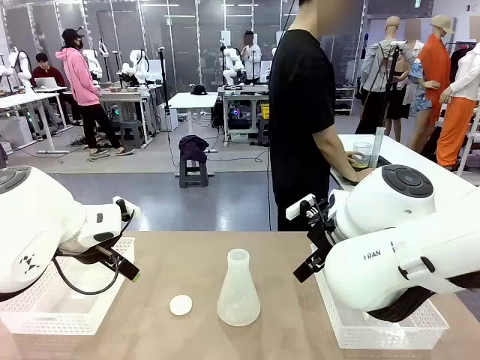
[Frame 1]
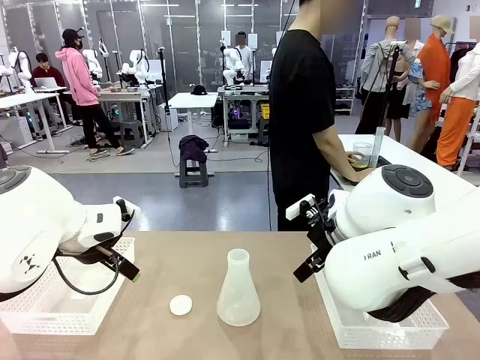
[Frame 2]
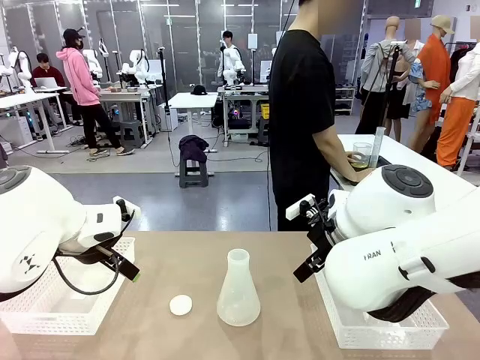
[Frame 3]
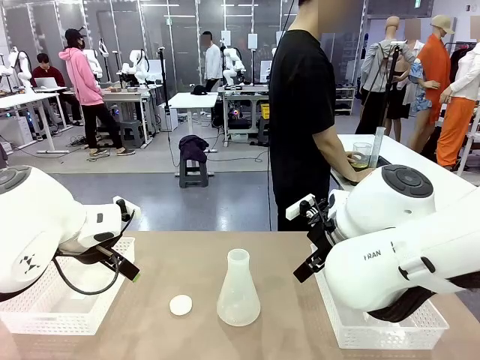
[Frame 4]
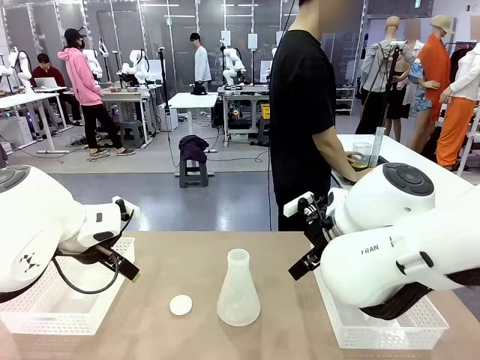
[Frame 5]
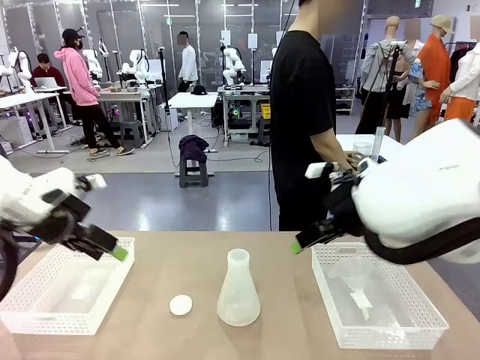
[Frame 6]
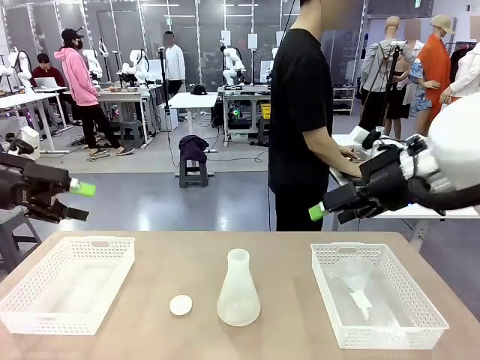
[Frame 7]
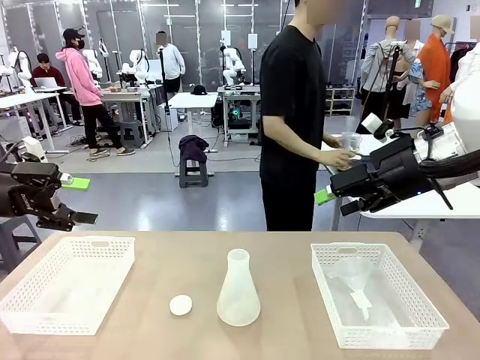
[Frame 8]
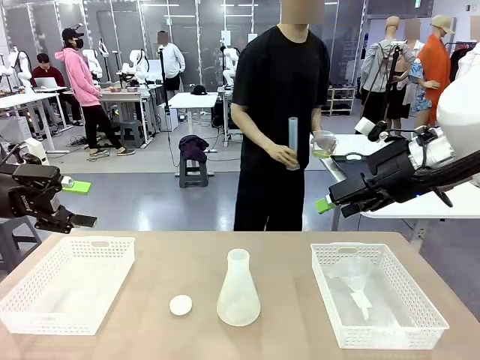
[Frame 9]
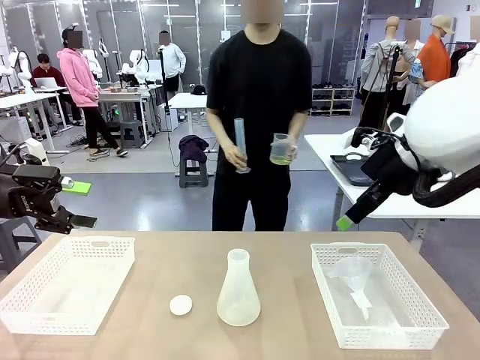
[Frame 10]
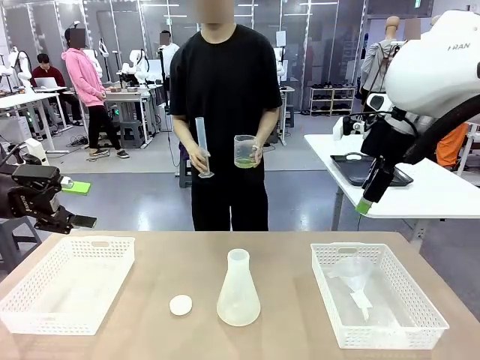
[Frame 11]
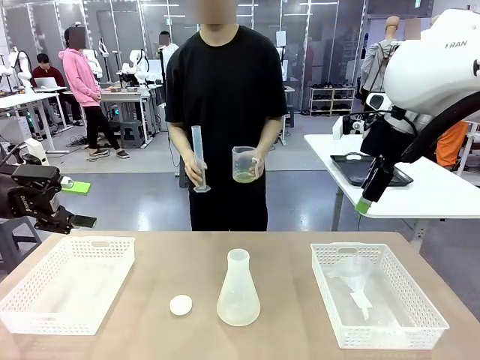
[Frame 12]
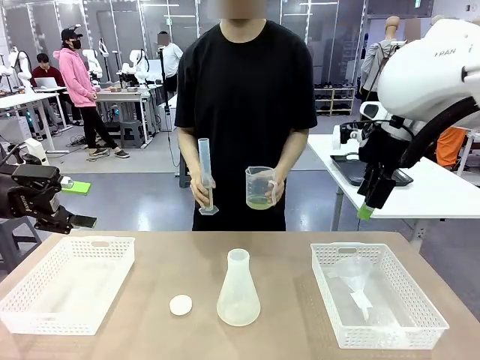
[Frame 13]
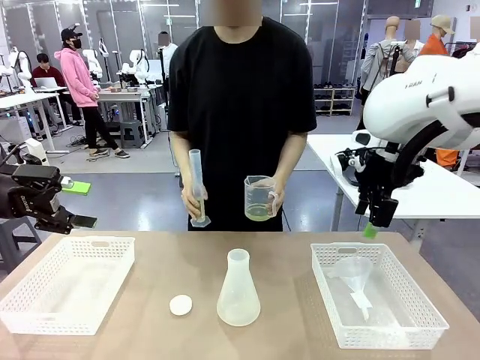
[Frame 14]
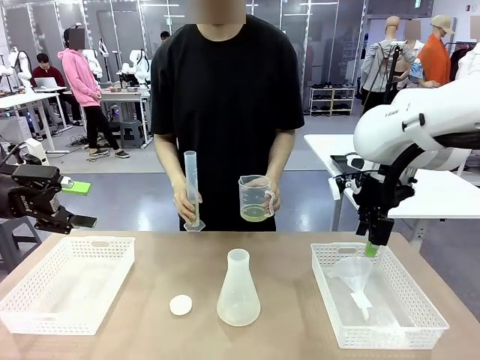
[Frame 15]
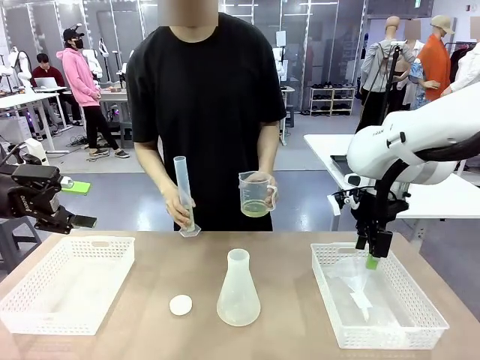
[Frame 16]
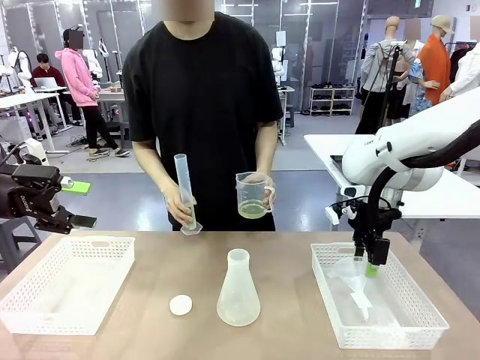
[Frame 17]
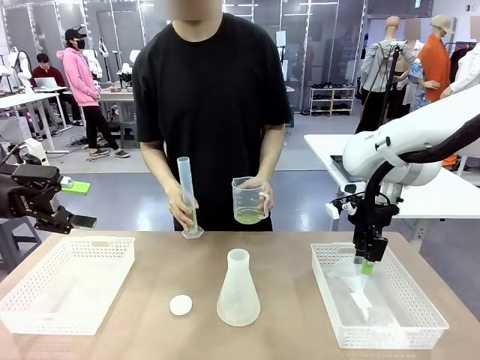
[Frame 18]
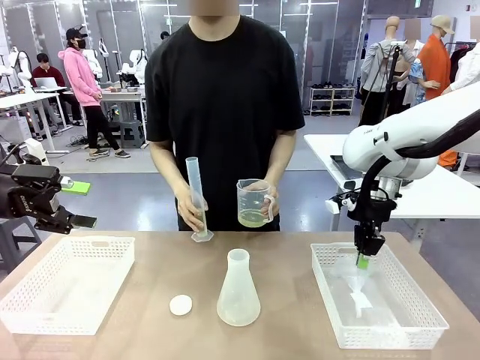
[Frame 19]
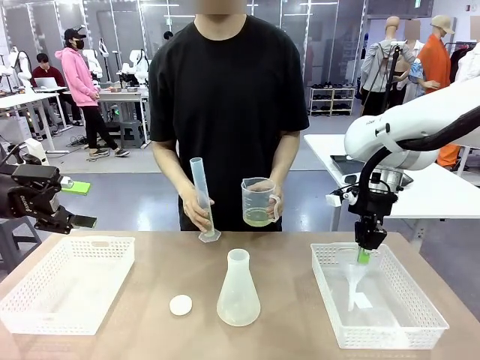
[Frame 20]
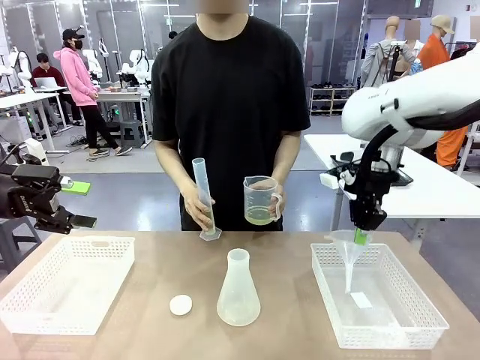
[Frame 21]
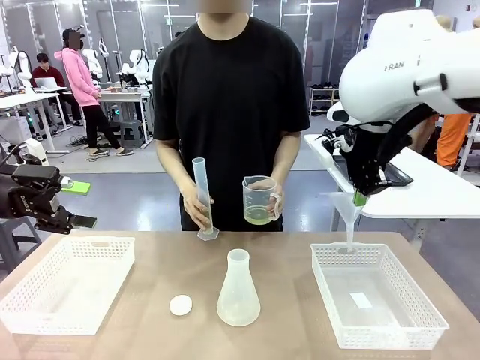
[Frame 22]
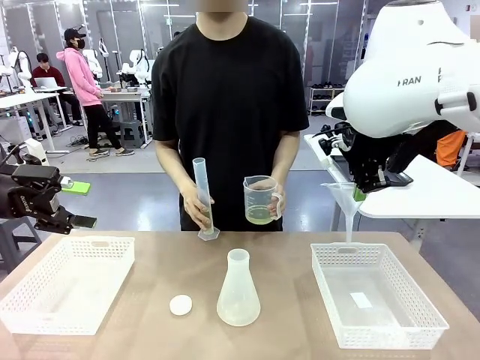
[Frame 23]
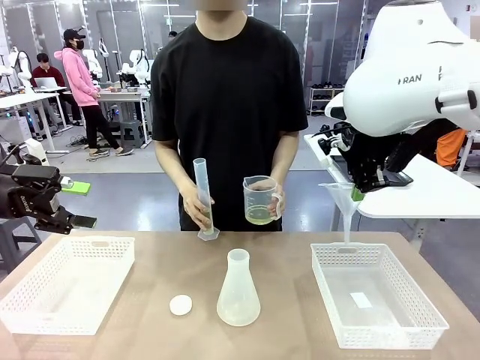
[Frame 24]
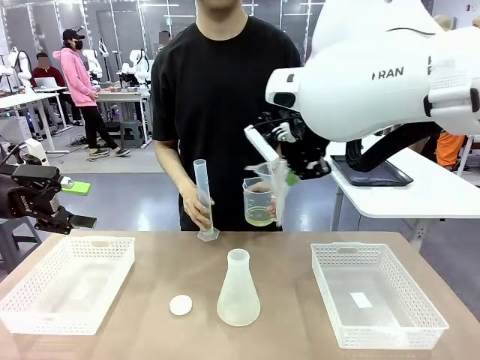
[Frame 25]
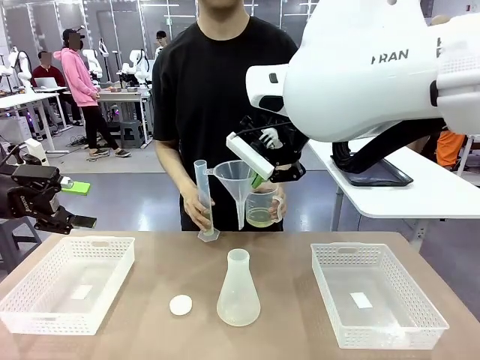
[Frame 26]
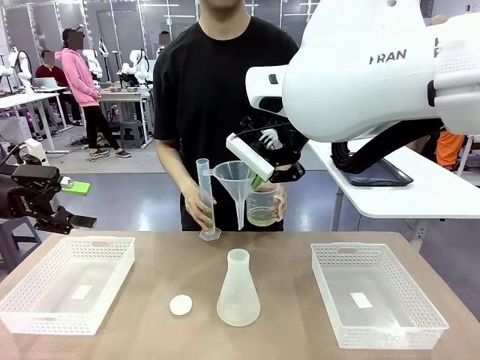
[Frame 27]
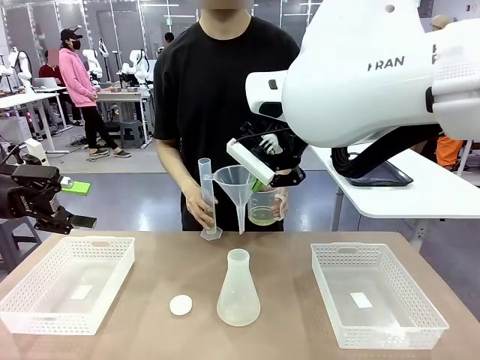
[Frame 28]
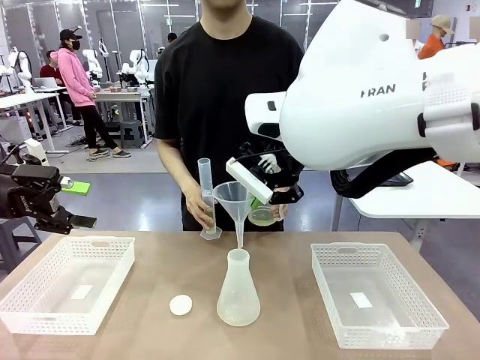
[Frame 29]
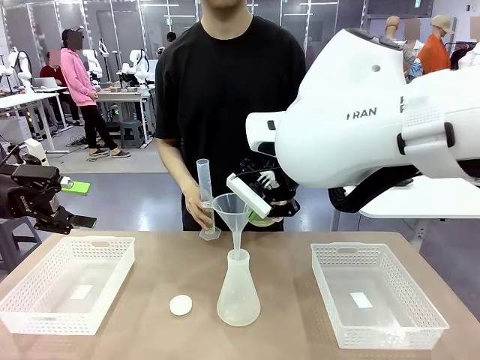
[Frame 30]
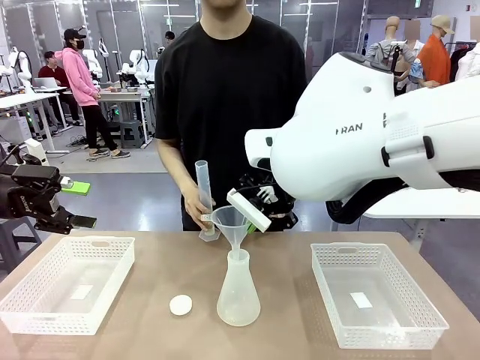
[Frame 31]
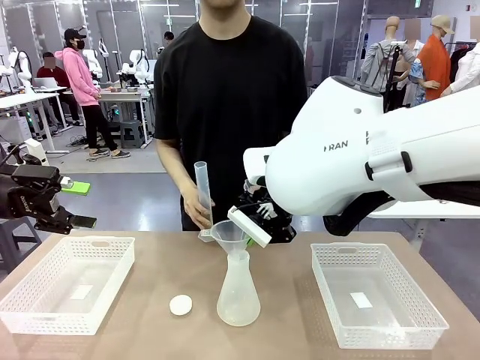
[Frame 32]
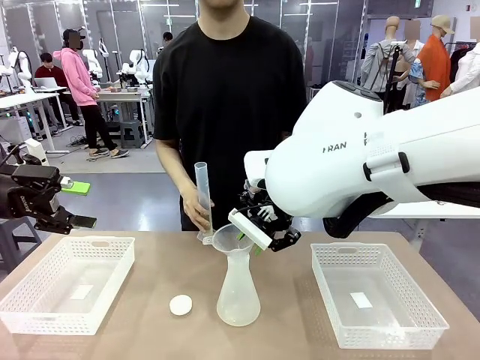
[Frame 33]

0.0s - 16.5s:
Task: Prepare the solutions needed for the experiment.
Robot: Pick up the Plastic Funnel and insert it into the Big flask.
Person: Pick up the beaker and the cylinder and move to the middle of the robot table. Pour the solution from the beaker and the cylinder into the flask.

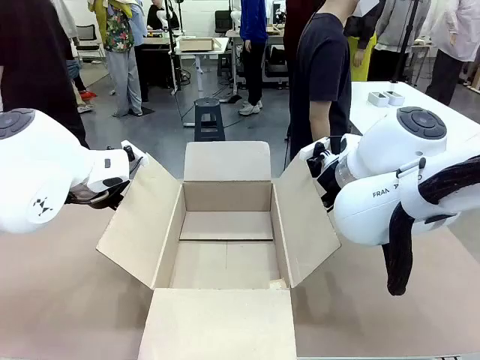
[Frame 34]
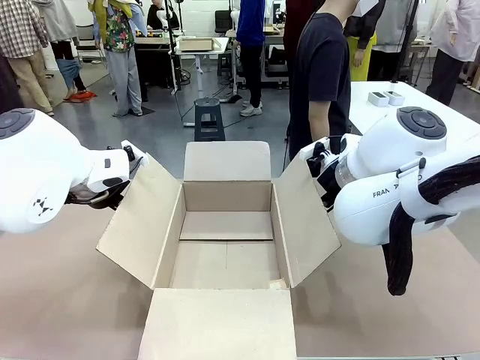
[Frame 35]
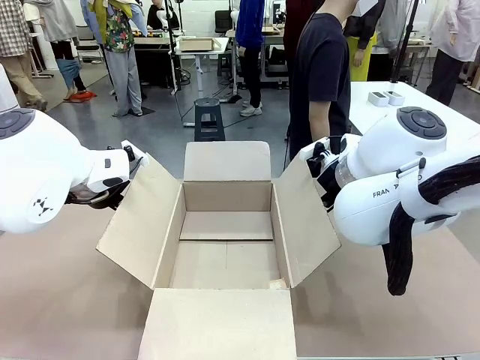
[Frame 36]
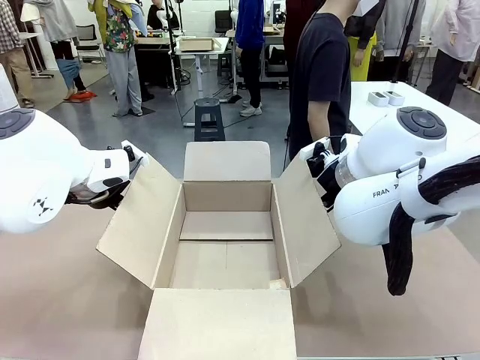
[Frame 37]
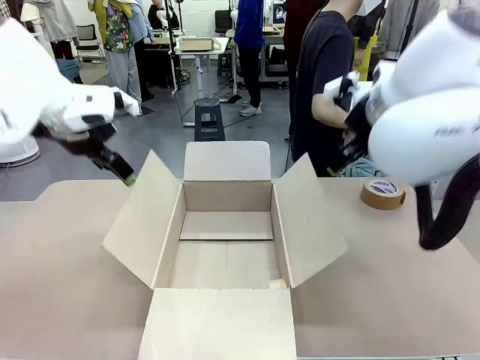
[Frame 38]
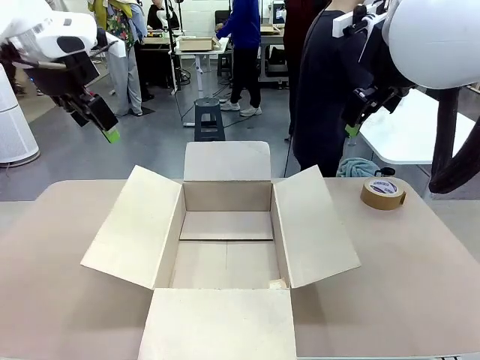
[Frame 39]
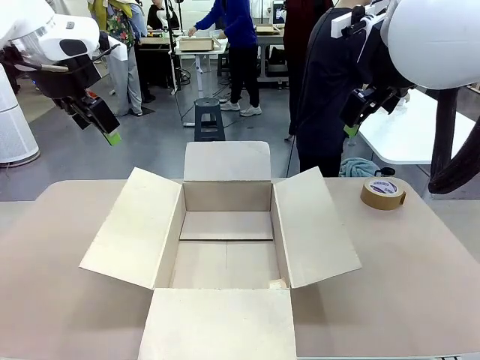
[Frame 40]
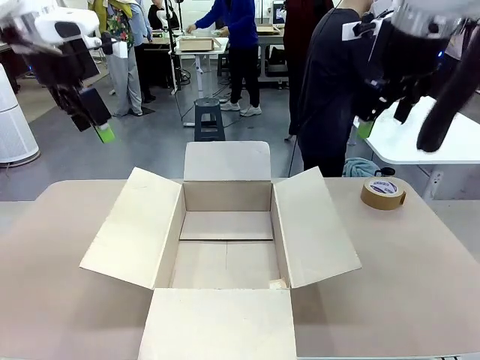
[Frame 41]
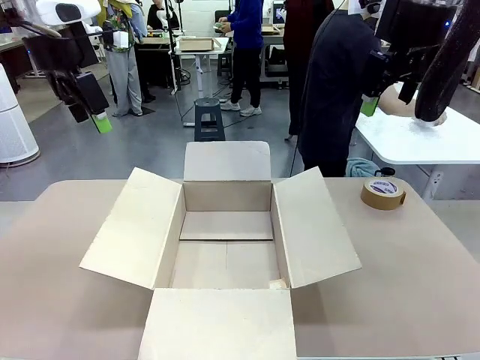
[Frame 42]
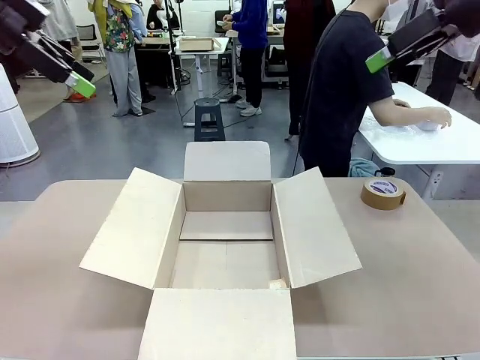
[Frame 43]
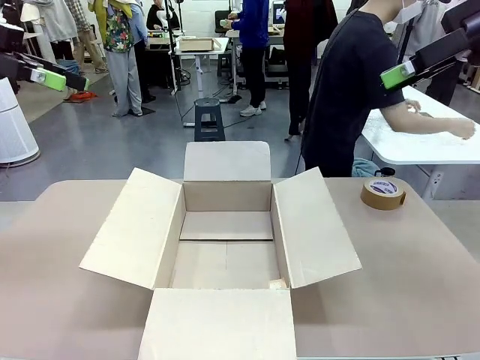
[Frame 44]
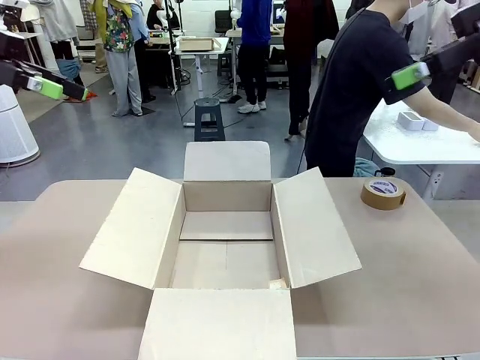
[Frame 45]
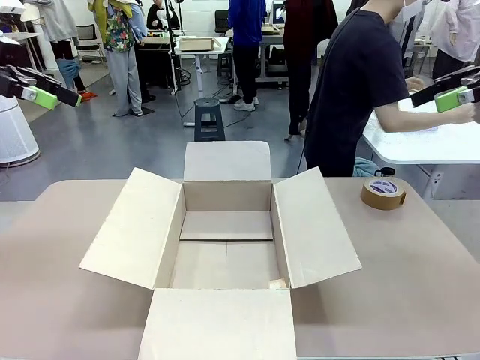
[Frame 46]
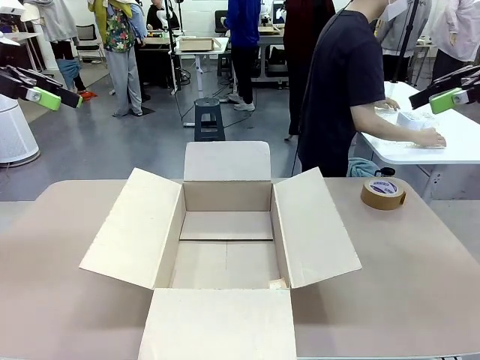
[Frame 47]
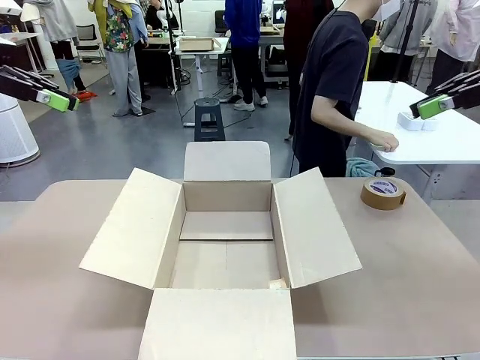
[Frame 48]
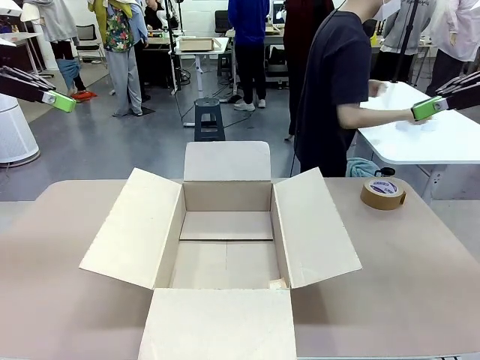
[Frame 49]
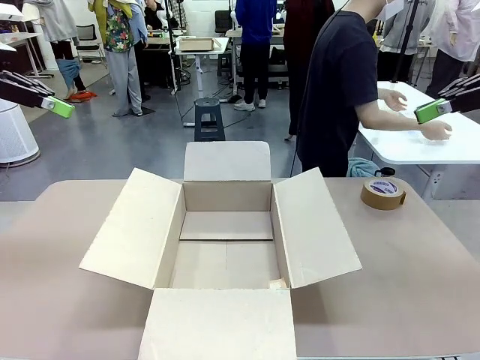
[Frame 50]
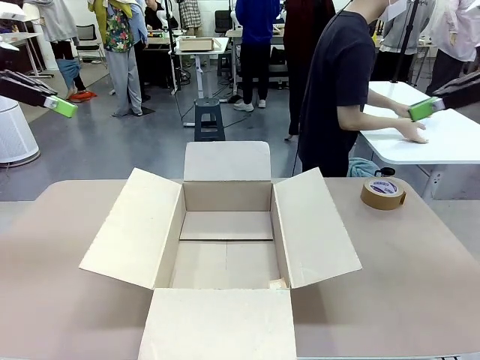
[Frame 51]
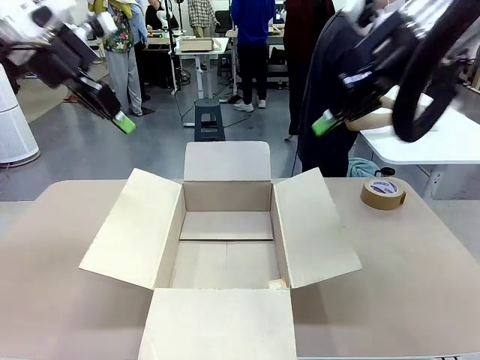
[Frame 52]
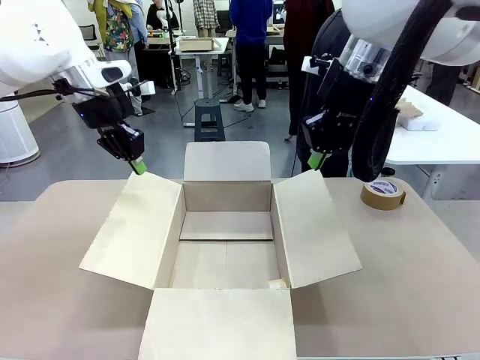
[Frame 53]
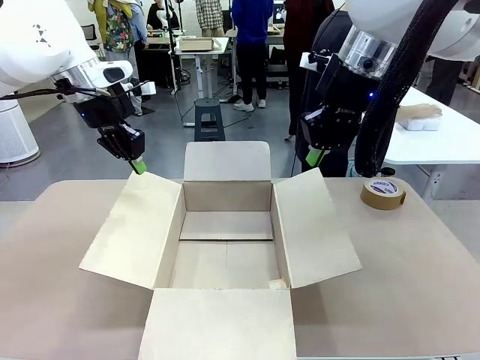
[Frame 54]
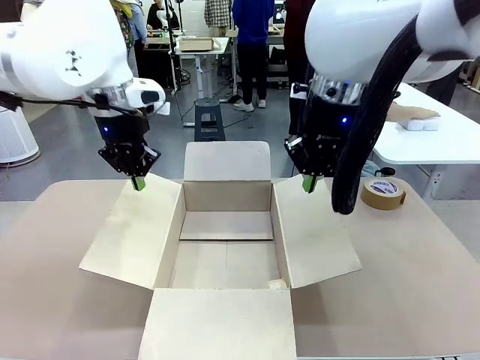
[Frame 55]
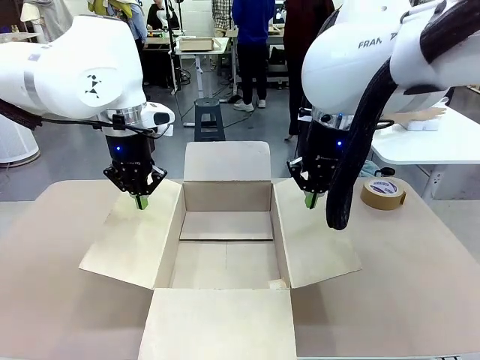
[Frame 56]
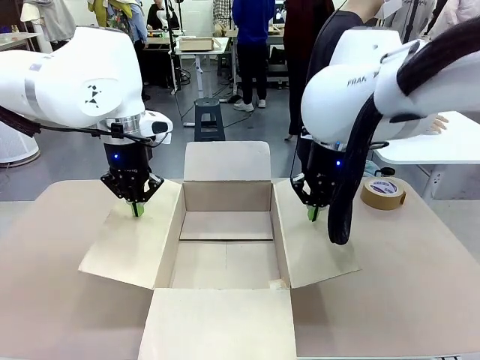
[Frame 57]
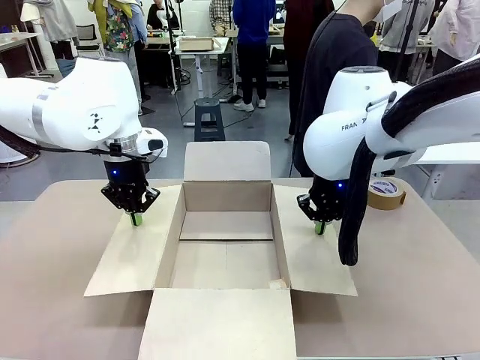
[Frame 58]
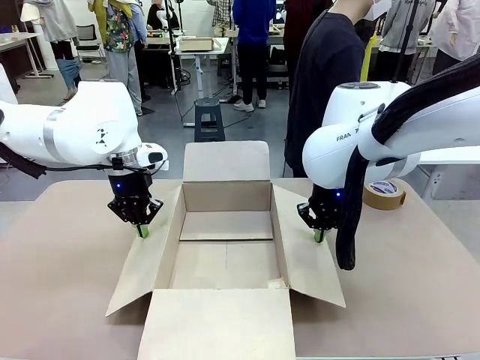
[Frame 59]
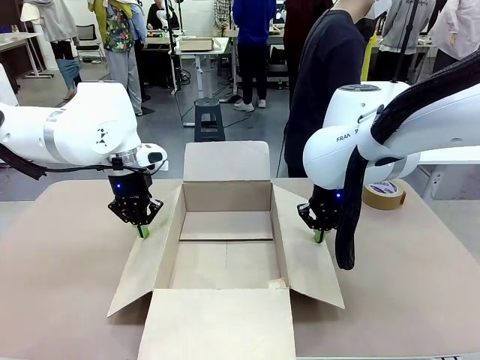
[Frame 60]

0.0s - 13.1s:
Task: Wrap the clocks to prevent damage.
Robot: Open the side flaps of the Package Box.
Person: Wrap the two Digital clocks with Bubble Wrap.
